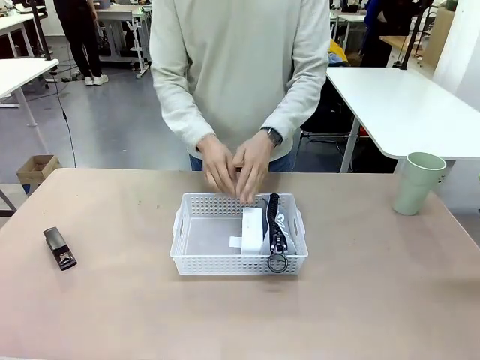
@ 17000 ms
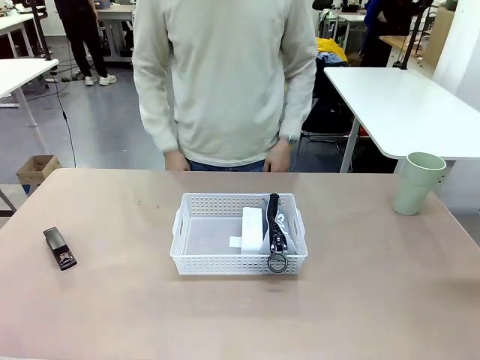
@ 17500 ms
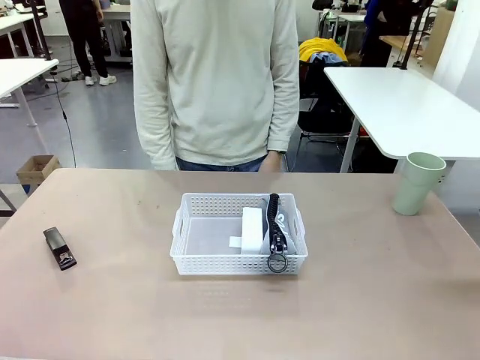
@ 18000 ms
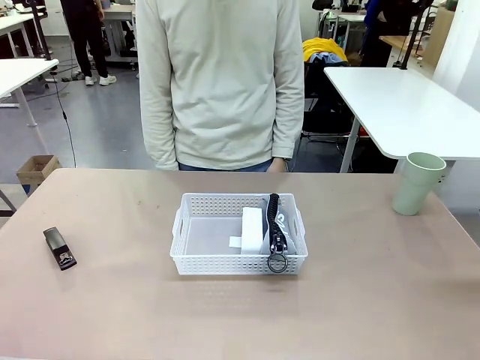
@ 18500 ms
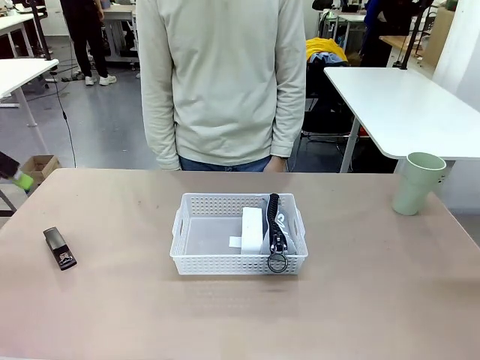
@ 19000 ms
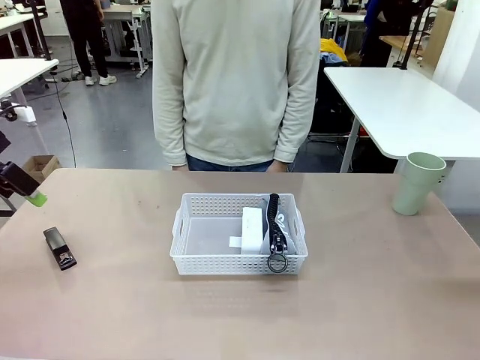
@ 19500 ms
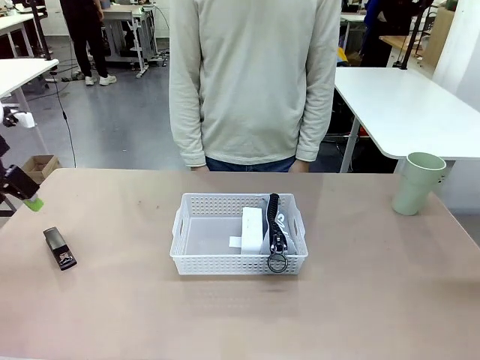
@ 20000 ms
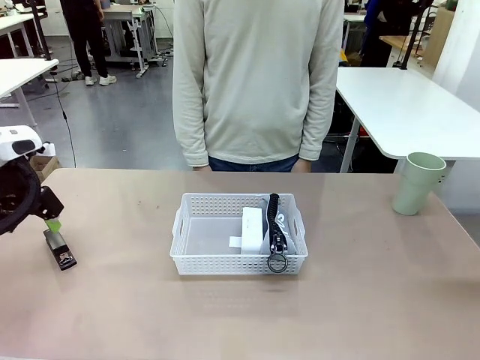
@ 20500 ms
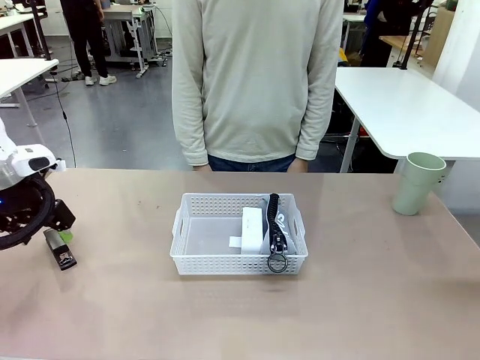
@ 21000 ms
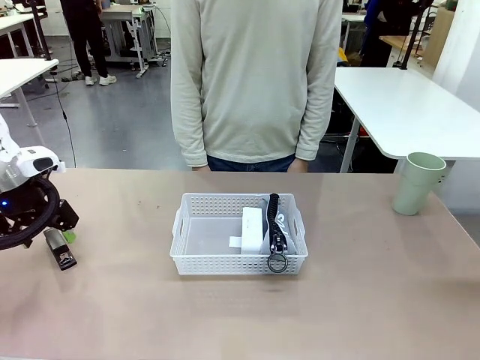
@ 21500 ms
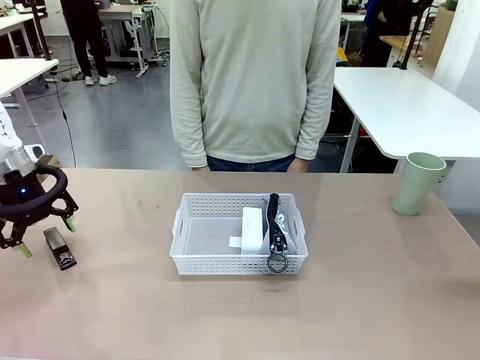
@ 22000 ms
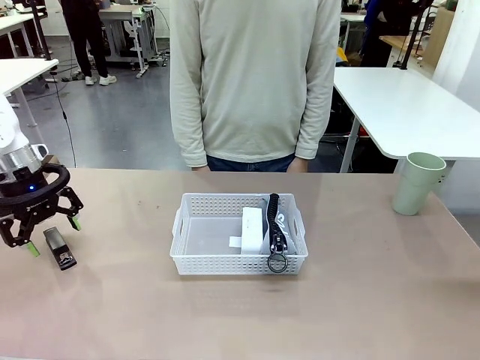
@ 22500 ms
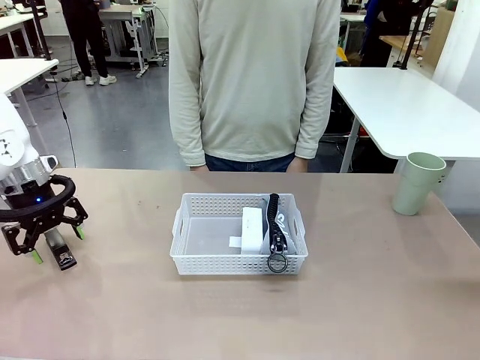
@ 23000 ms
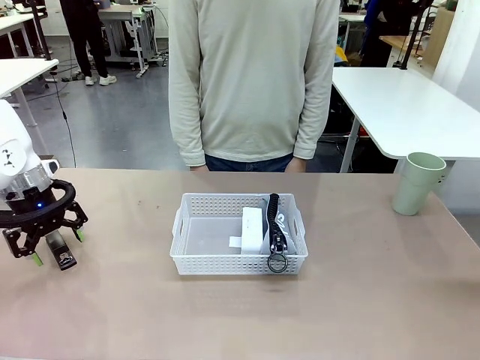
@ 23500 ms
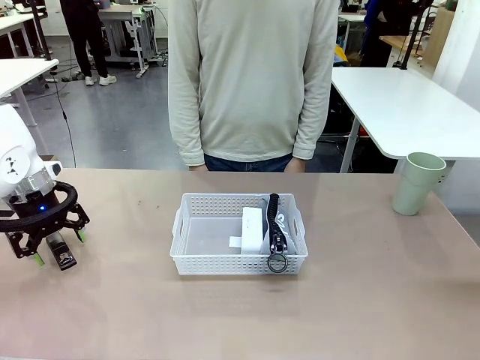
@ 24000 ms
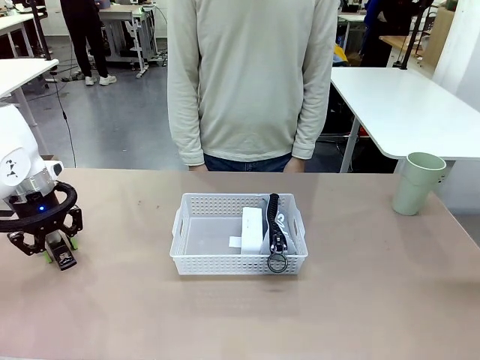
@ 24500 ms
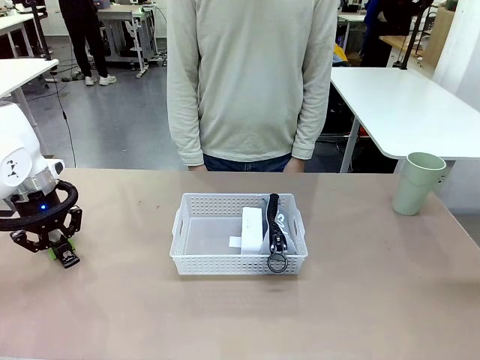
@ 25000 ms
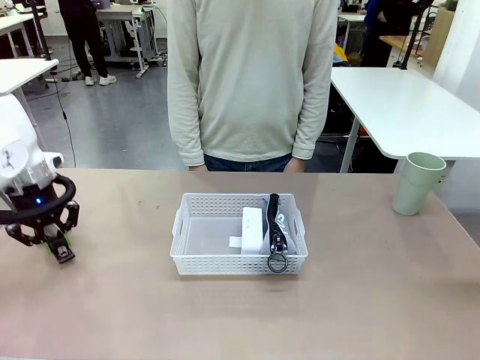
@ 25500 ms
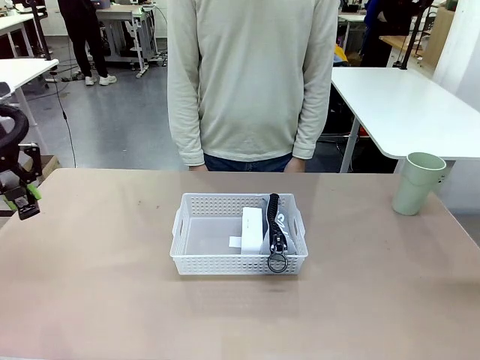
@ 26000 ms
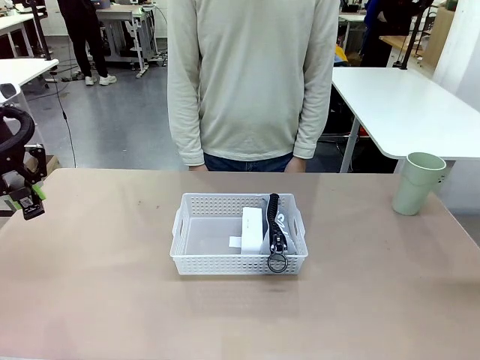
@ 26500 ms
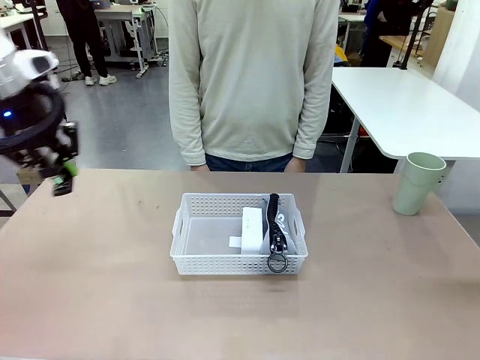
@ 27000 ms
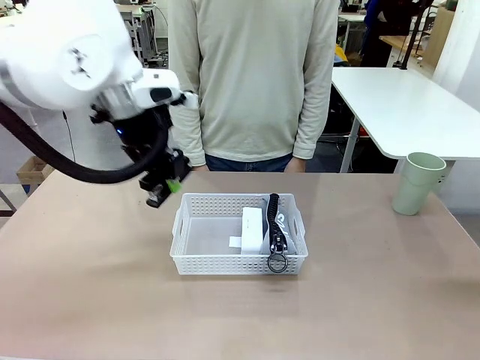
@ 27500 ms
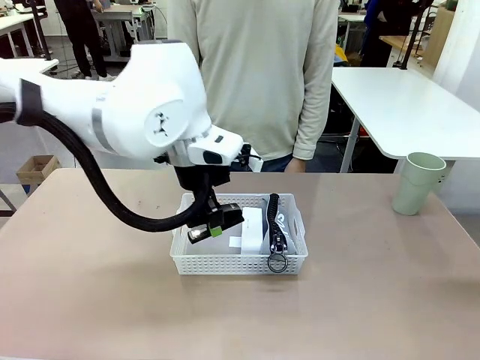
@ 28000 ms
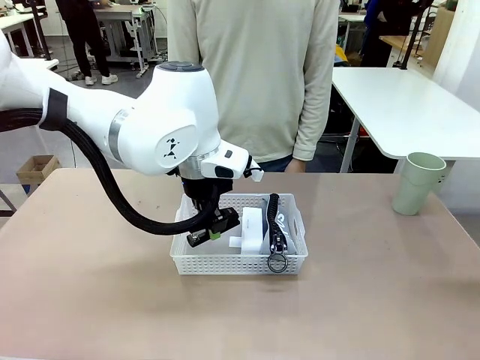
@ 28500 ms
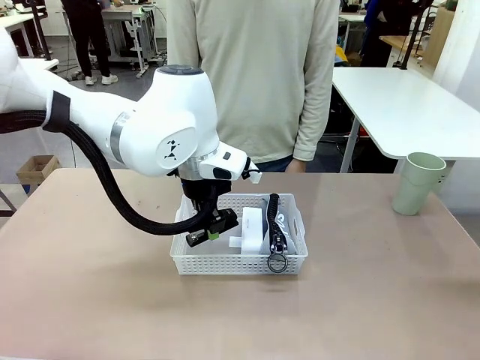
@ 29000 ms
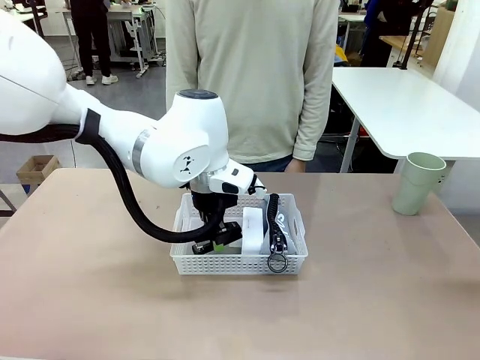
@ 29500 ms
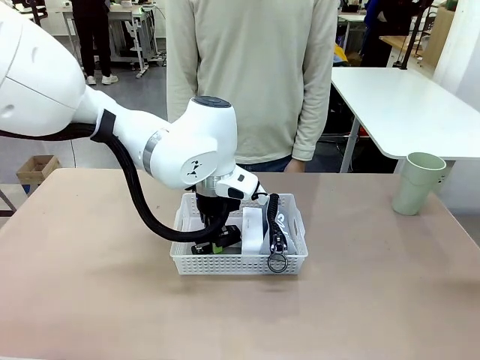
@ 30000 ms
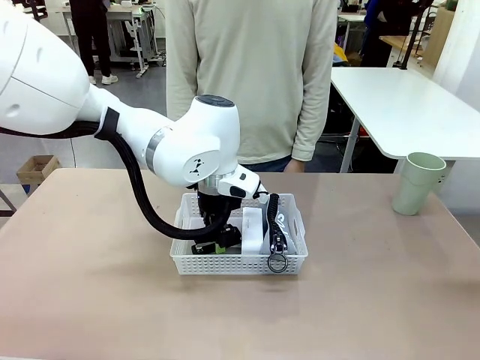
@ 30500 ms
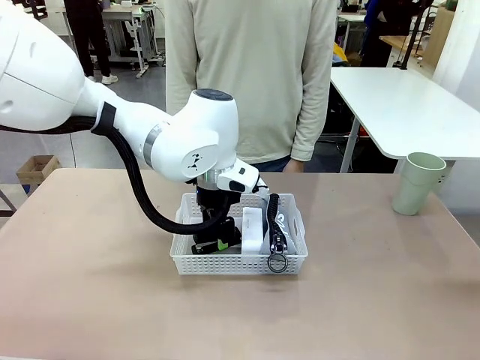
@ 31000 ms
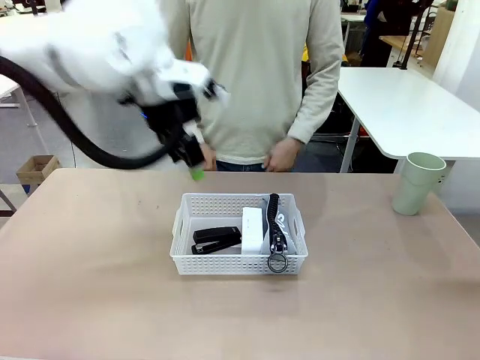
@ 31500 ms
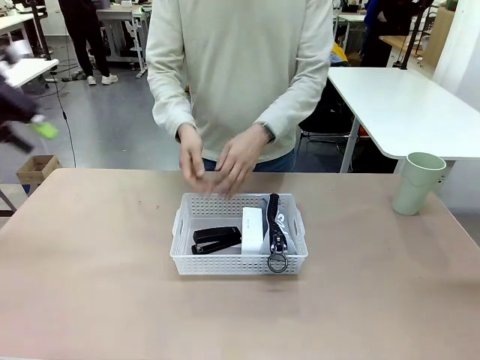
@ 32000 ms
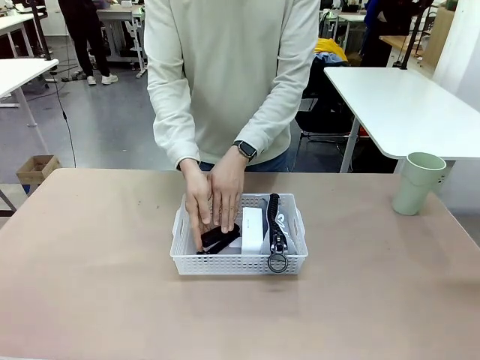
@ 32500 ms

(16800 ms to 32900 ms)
Task: Efficiently arrange items inside the basket to fit them all.
Robot: Pick up the Stapler and place it inside the Organizing basket.

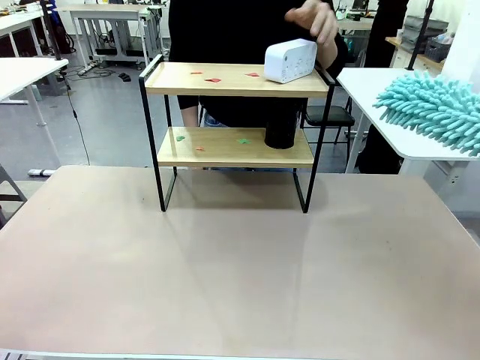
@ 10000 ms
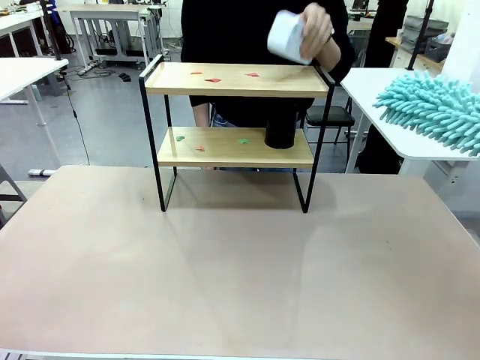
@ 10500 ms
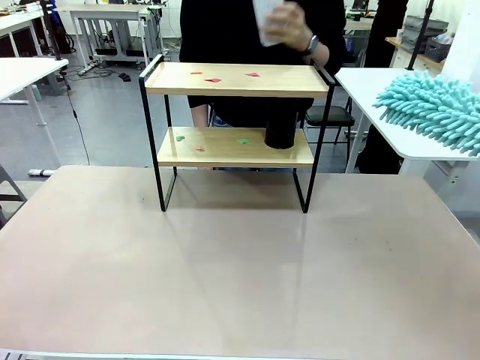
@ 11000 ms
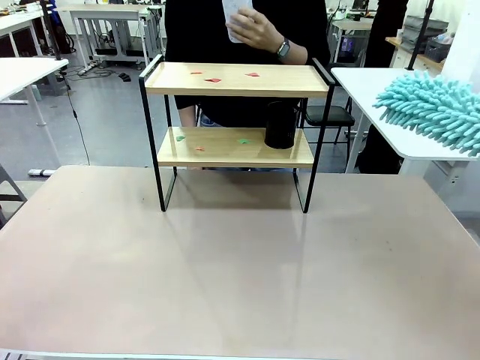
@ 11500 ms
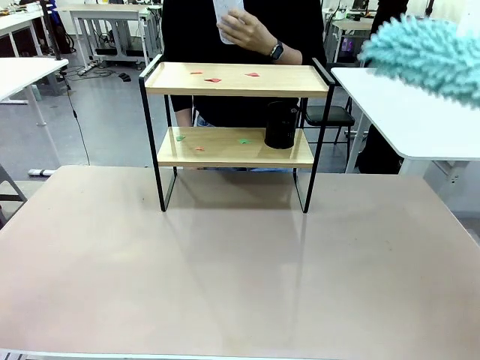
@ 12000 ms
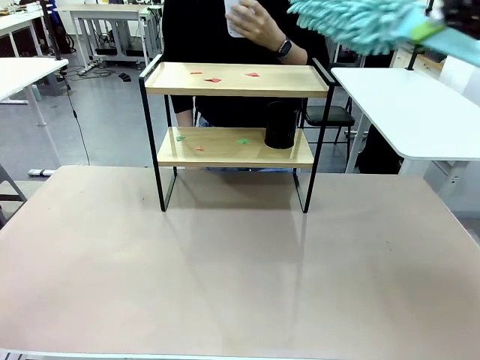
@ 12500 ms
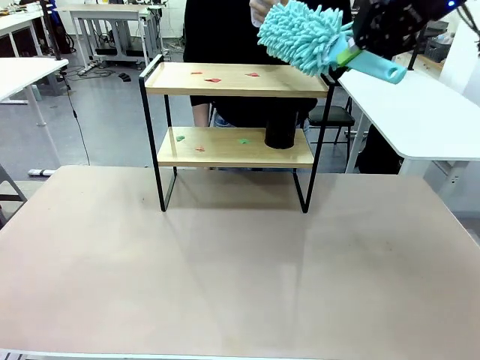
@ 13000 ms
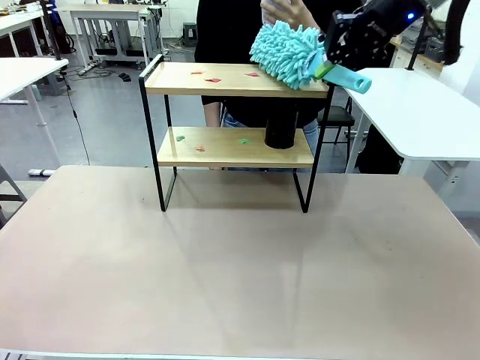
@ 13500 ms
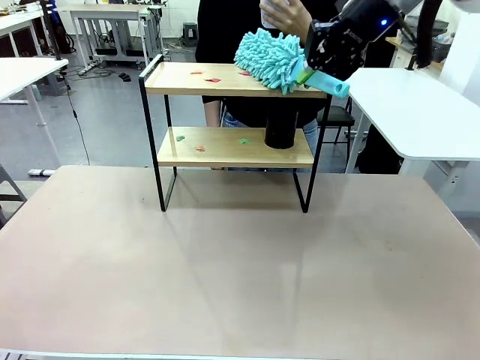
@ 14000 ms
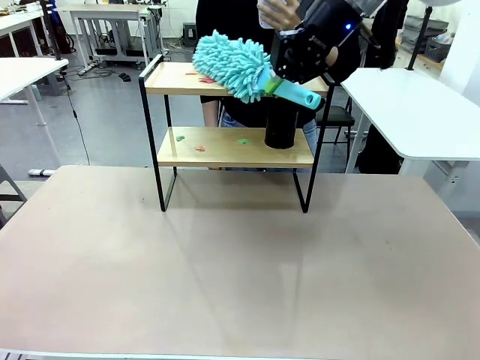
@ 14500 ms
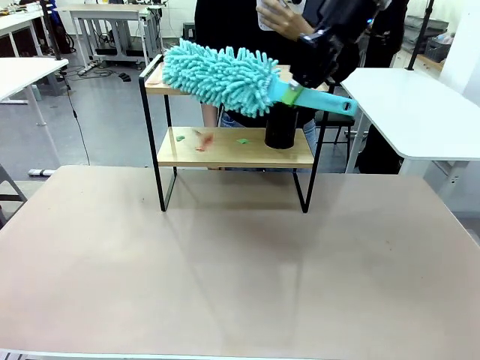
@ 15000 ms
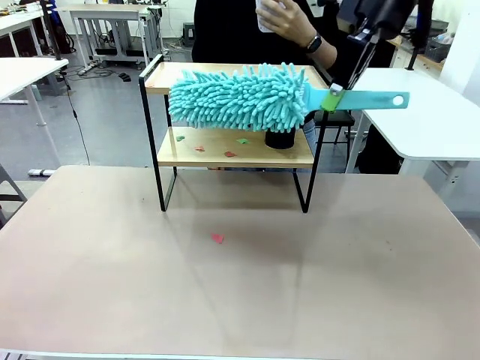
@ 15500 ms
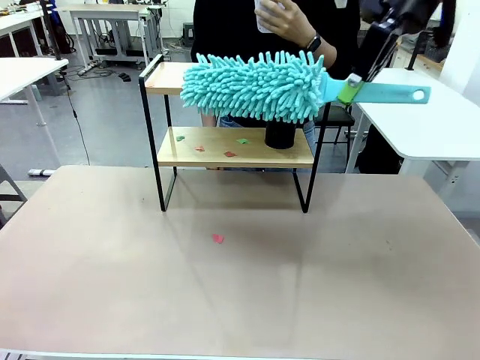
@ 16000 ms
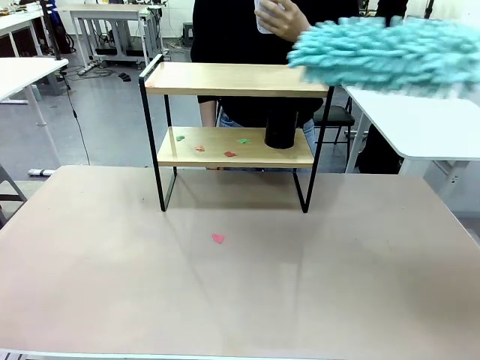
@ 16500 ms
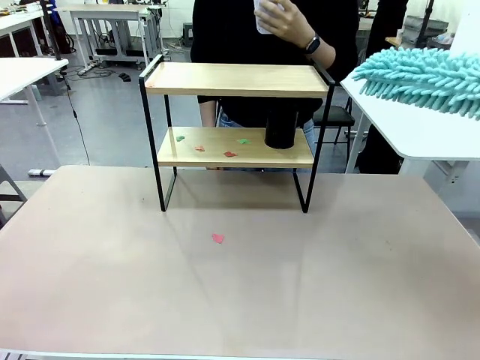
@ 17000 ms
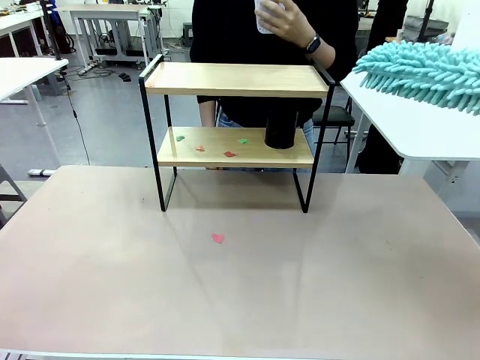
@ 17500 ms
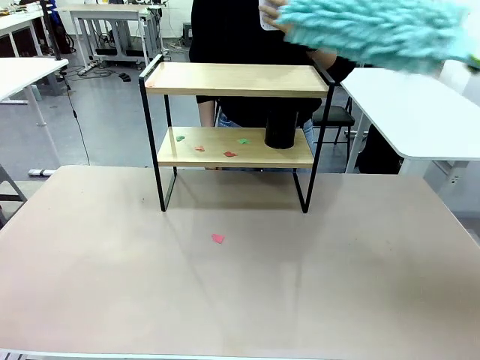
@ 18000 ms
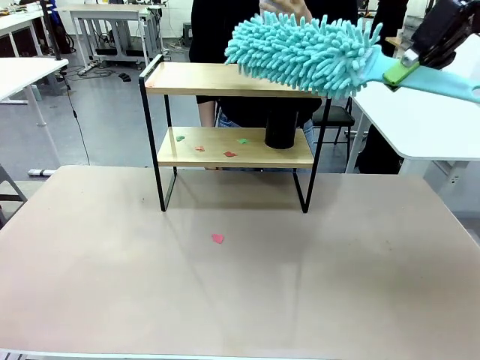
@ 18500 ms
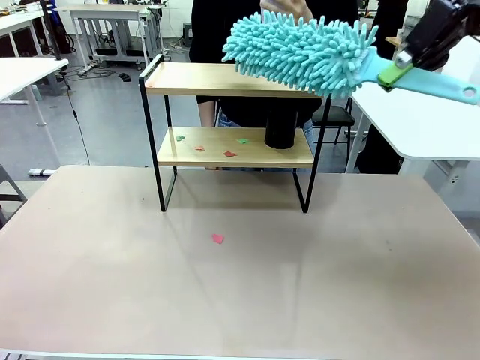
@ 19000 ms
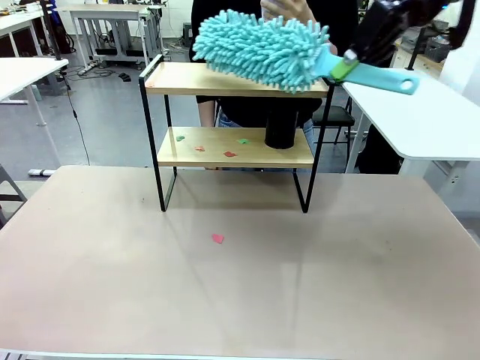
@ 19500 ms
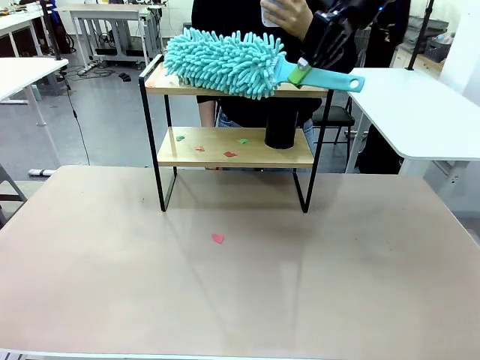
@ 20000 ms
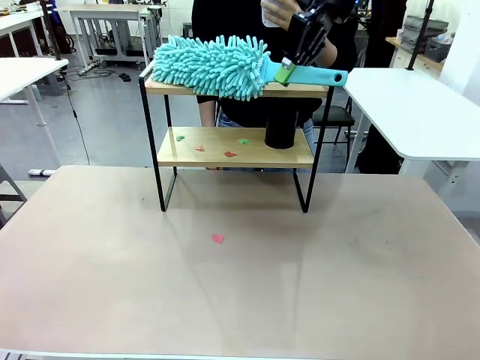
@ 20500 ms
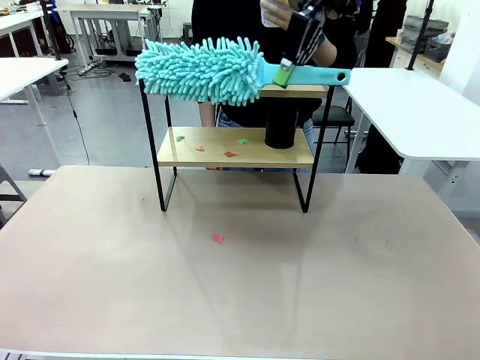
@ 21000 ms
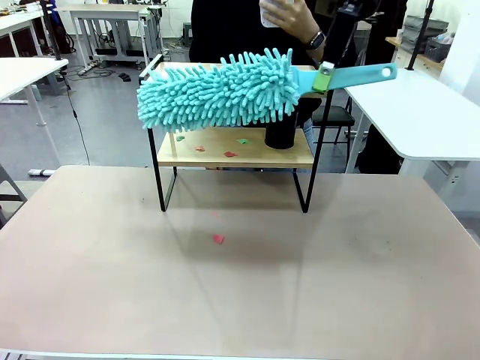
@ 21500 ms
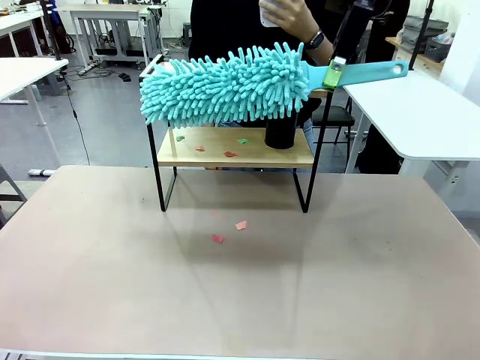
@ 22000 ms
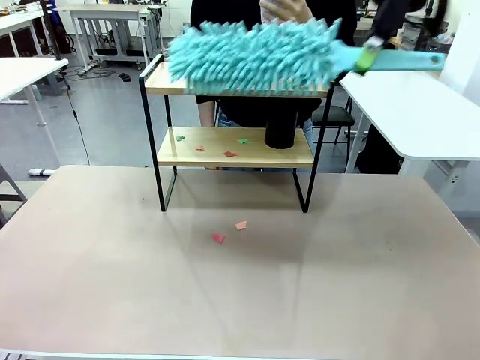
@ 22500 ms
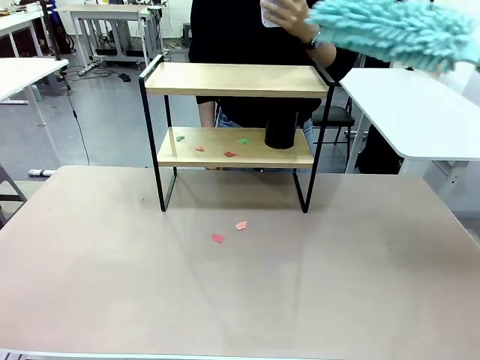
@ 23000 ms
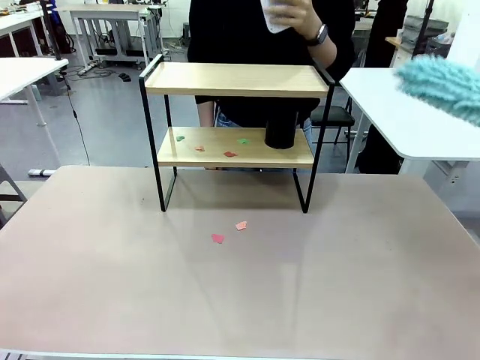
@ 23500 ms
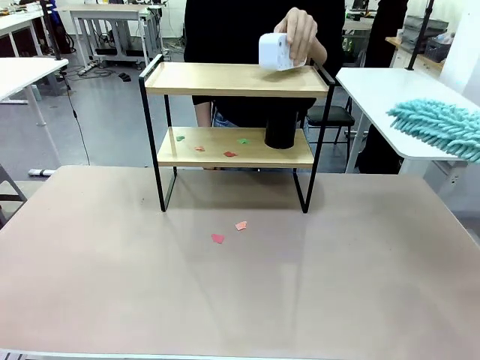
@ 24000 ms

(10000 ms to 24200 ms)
Task: Clean the shelf.
Robot: Clean the specific tier of the Shelf with the Duster once objects are removed.
Person: Lift the objects on a randomly selected tier of the Shelf. Once the robot finishes cleaning, lift the objects on the remaining tiers of the Shelf.
